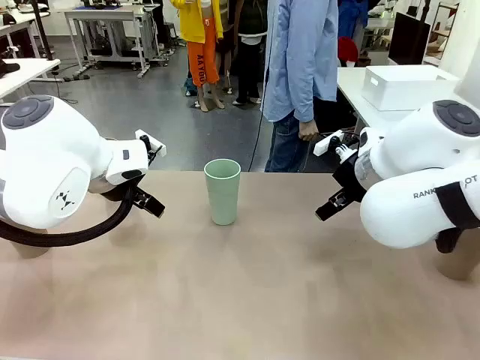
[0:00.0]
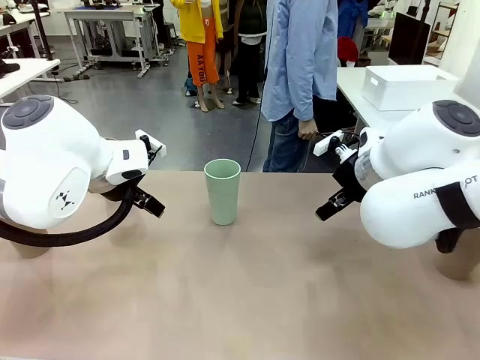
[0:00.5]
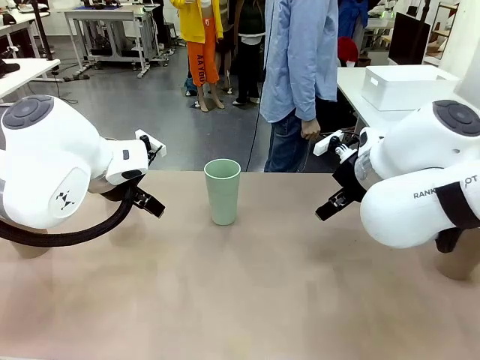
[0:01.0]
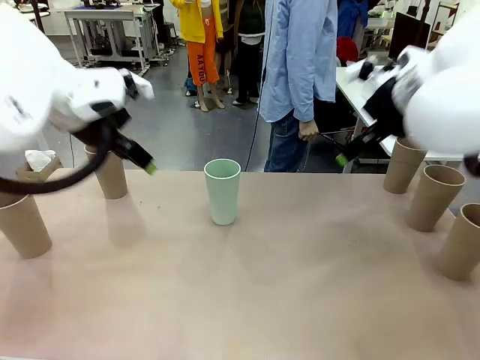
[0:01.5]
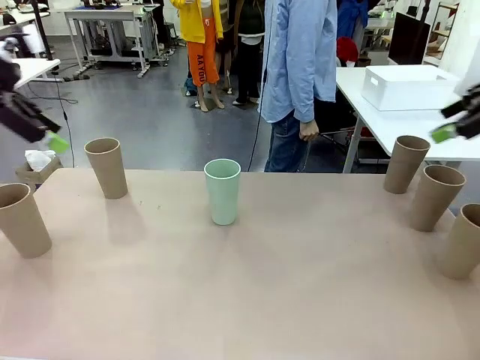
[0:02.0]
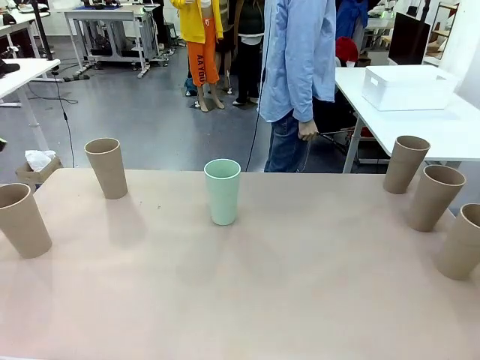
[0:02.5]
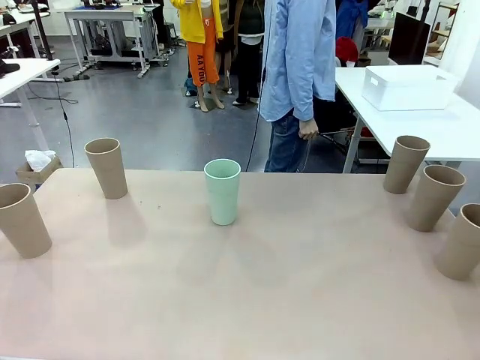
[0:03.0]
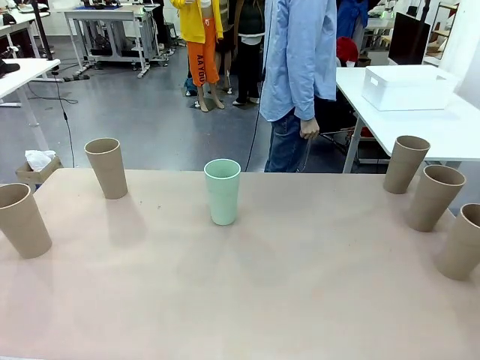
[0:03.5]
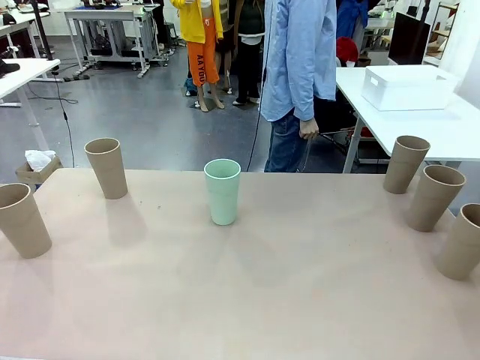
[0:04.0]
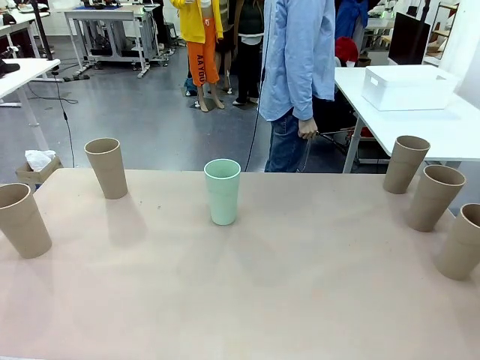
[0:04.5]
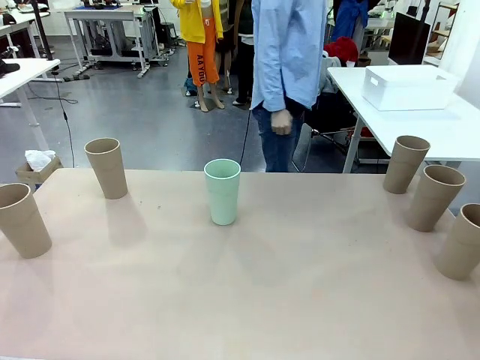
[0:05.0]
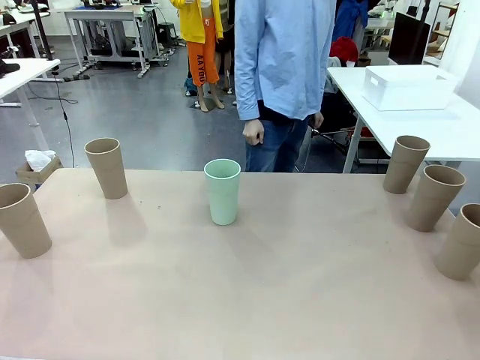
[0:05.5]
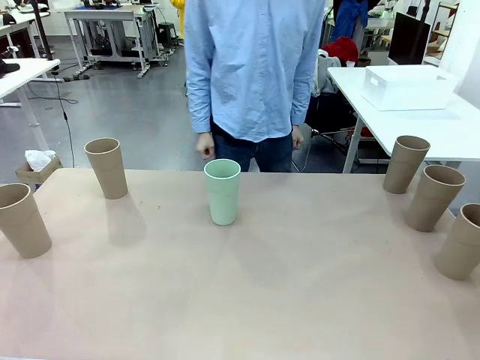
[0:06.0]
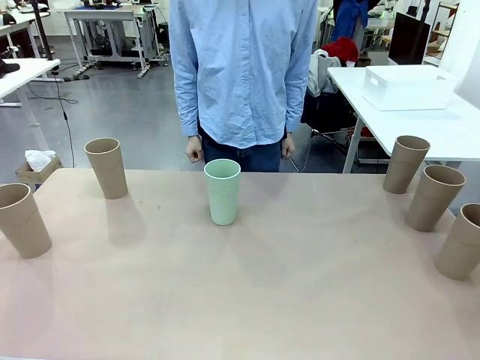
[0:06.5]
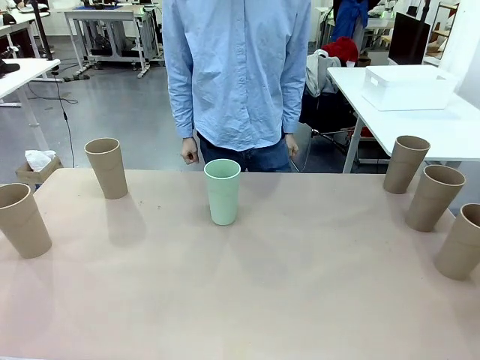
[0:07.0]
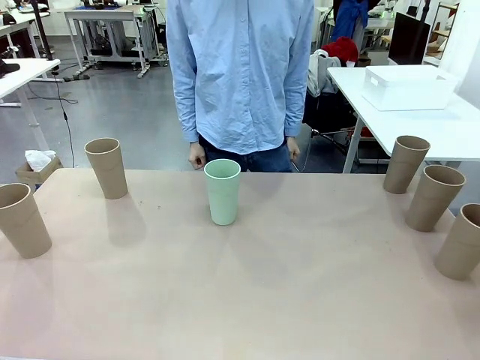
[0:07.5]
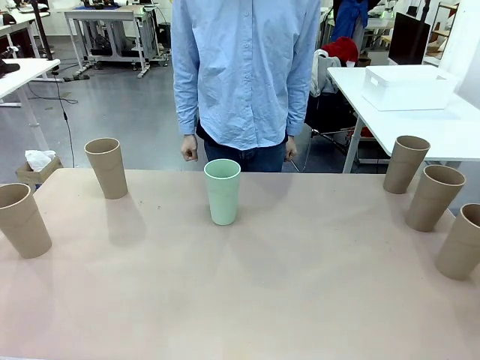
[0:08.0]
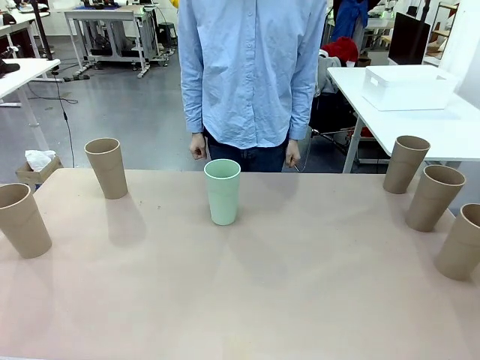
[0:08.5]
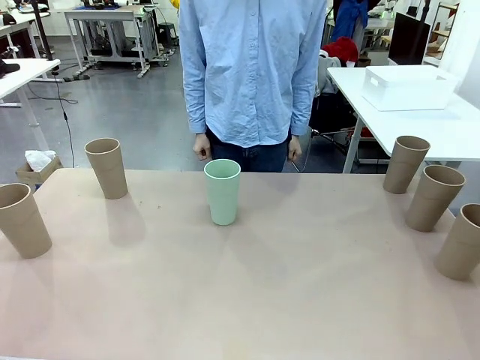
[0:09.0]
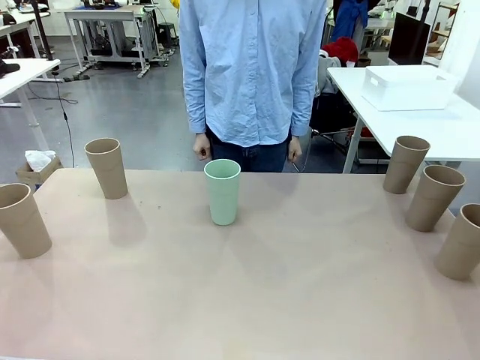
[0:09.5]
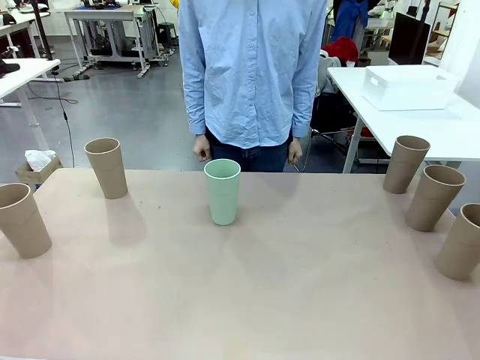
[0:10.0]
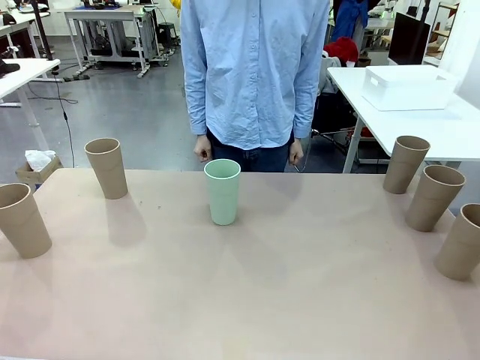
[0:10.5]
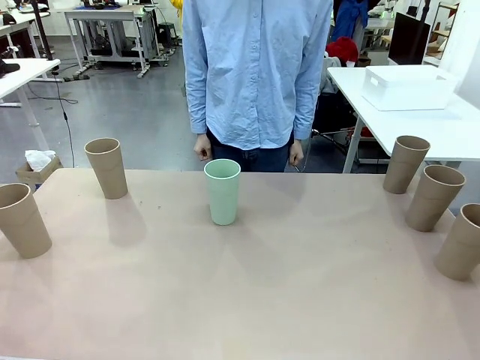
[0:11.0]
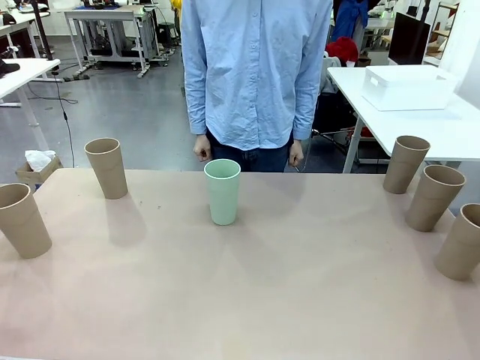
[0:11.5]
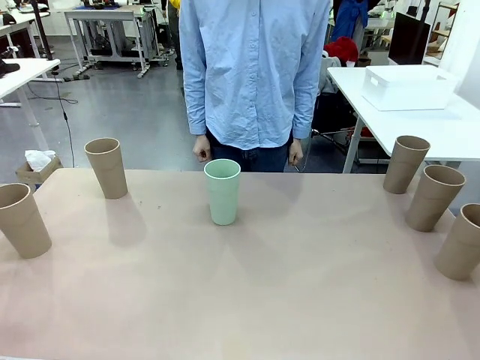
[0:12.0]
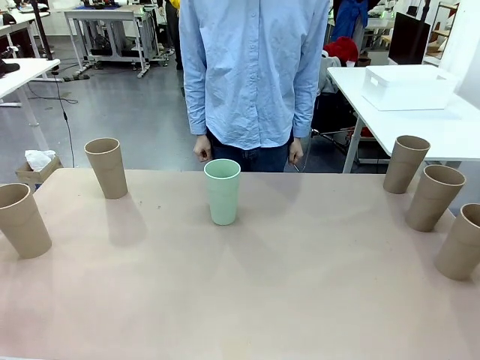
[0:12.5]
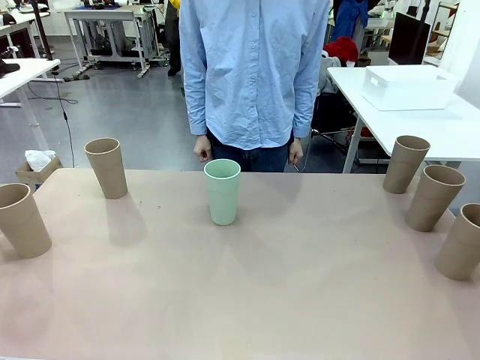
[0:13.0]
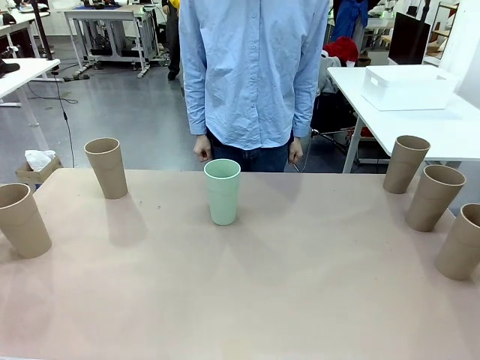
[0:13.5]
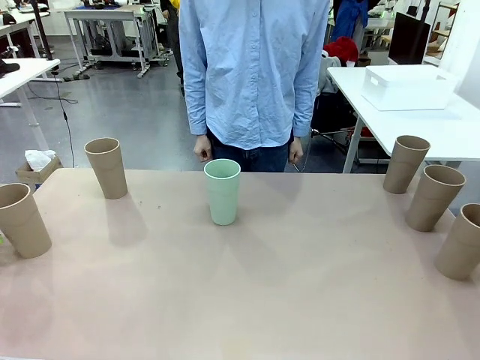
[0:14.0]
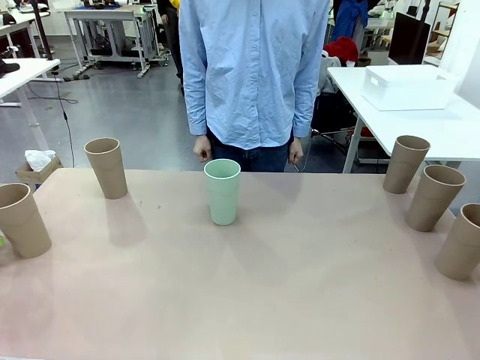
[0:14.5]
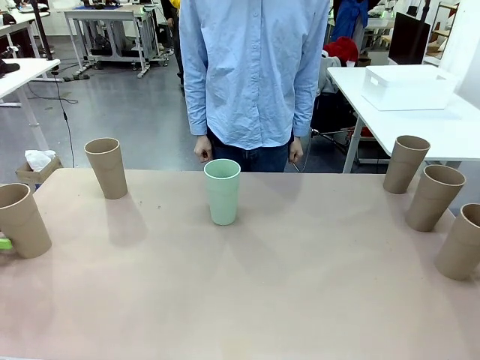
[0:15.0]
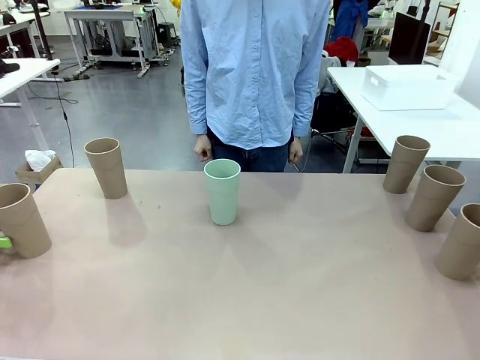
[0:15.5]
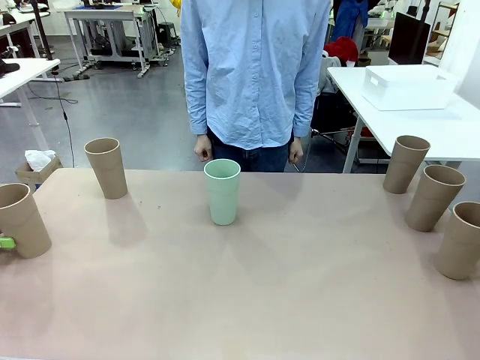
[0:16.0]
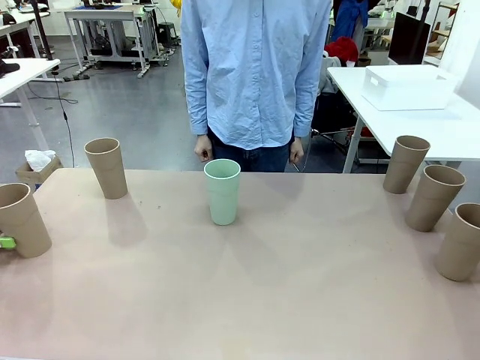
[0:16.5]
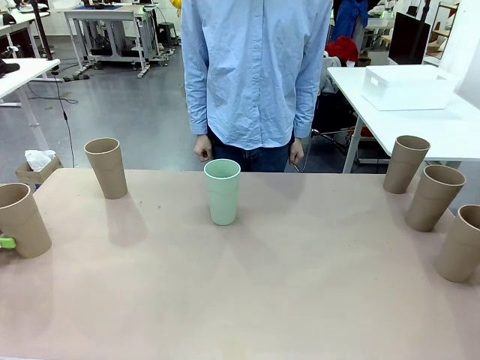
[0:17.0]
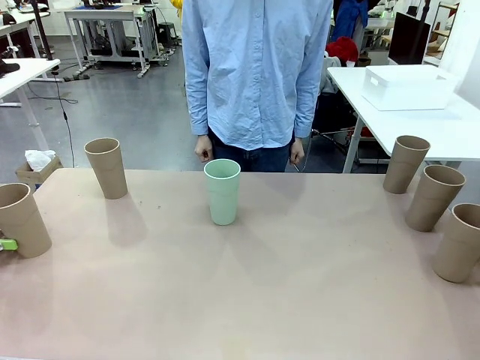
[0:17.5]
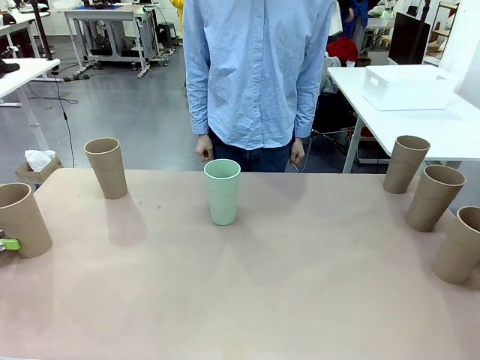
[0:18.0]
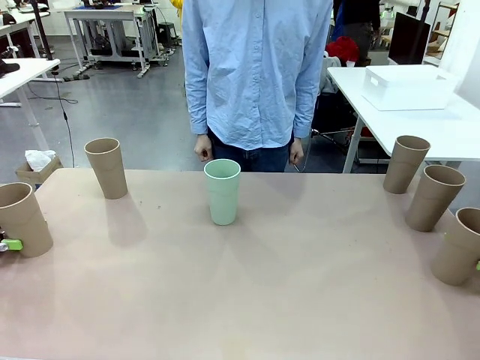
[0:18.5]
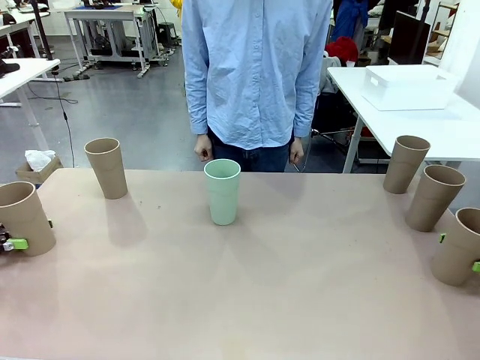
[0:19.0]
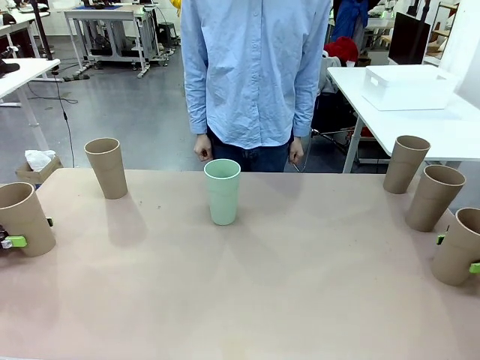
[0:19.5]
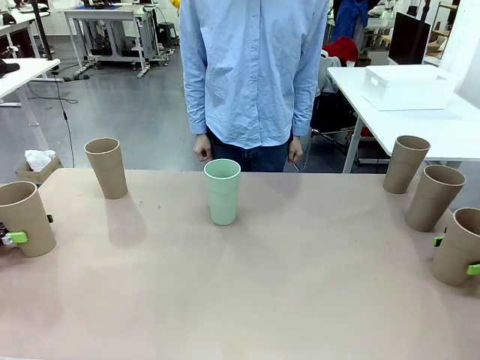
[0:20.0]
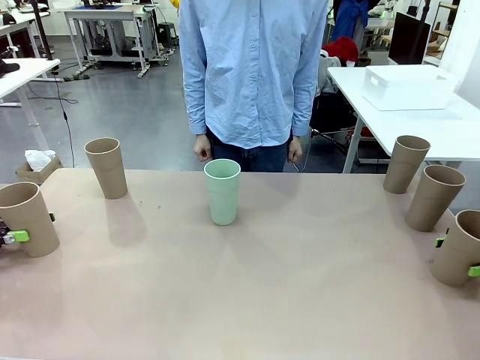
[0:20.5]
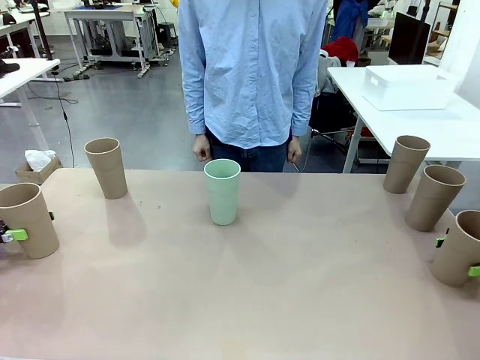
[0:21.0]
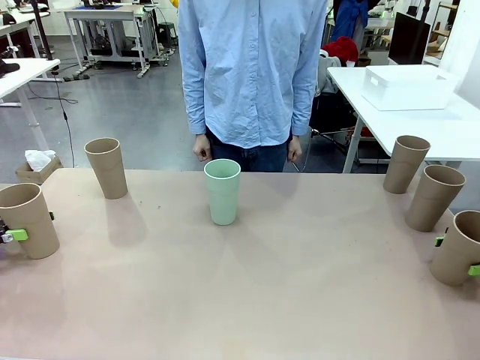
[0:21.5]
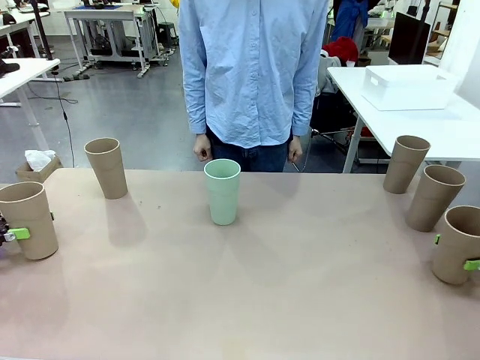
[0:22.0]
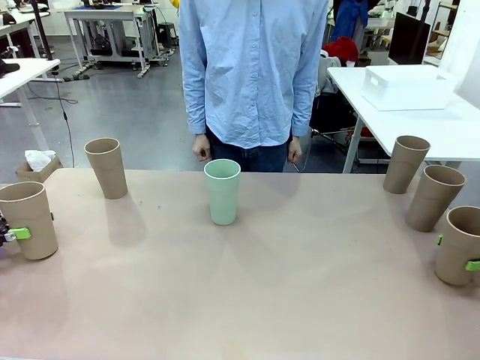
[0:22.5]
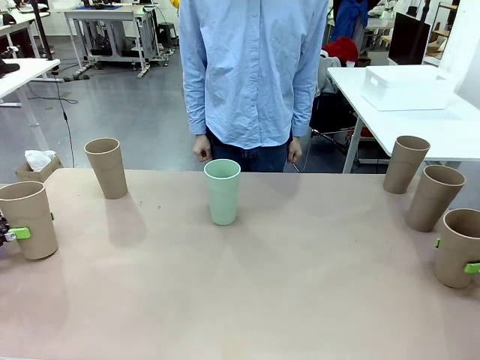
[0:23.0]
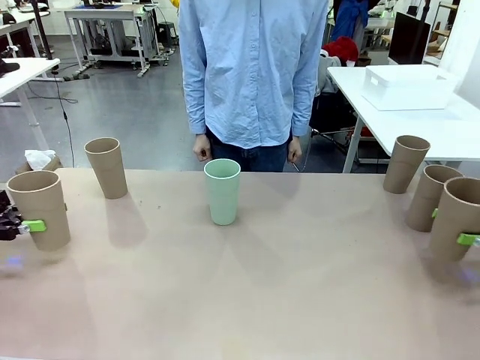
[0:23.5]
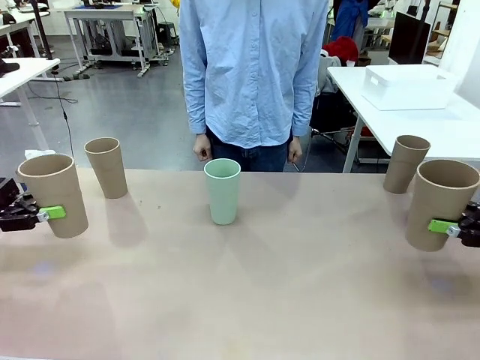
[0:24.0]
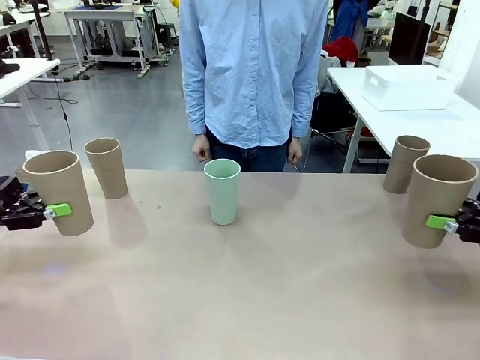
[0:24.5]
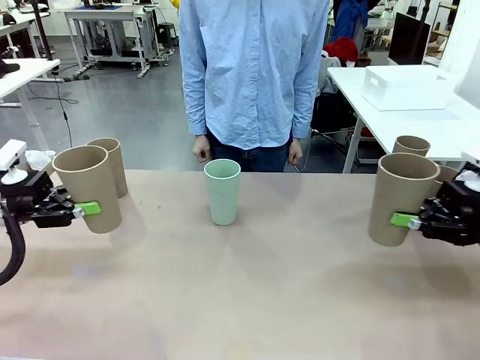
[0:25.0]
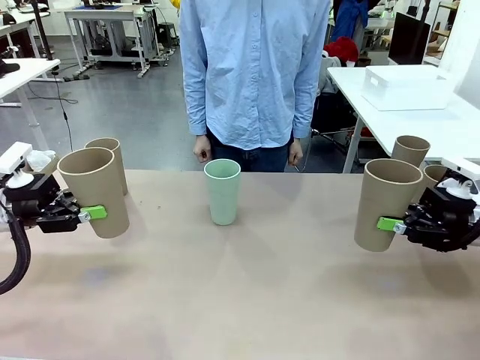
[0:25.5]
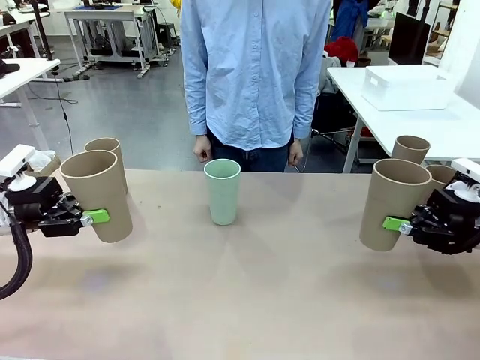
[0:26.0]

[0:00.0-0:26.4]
Task: Stack the cups and store them in the basket.
Robot: Pick up two Reusable plastic cups , one in each hand.
Person: Move from the Human Table to the front of the Robot Table. Stack two of the remaining cups on top of each cup held by the robot.
